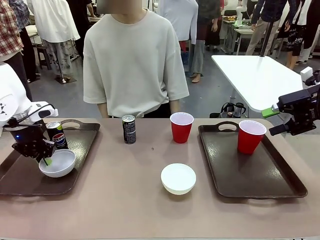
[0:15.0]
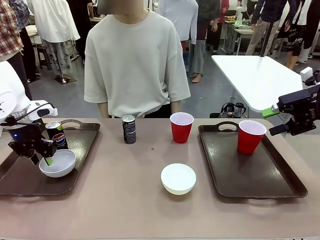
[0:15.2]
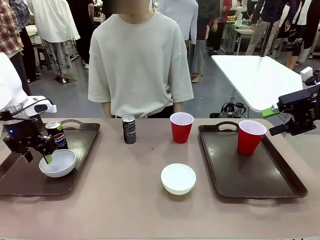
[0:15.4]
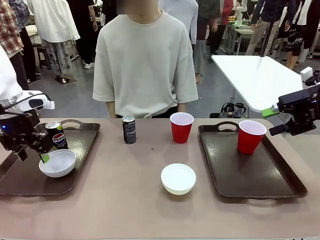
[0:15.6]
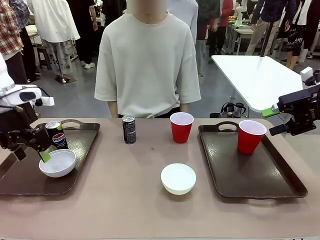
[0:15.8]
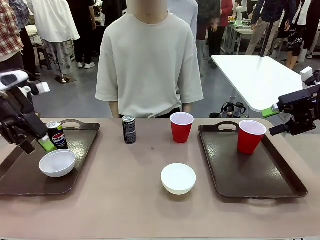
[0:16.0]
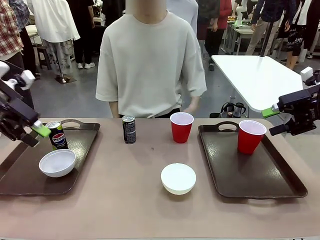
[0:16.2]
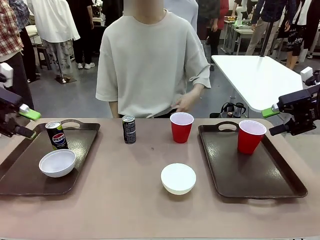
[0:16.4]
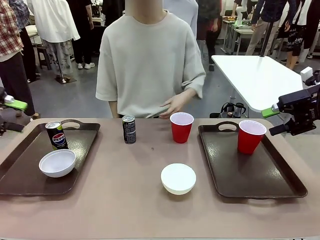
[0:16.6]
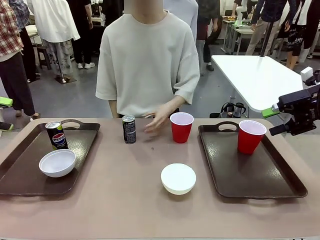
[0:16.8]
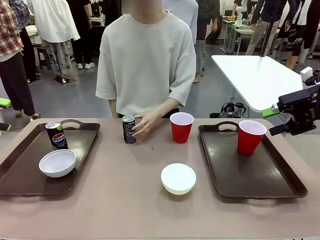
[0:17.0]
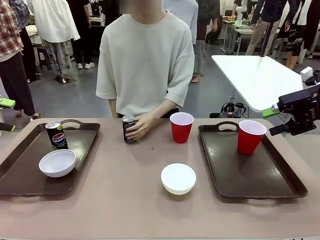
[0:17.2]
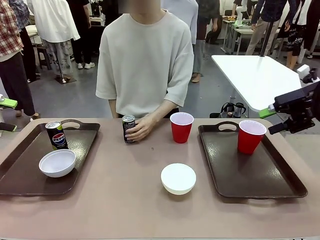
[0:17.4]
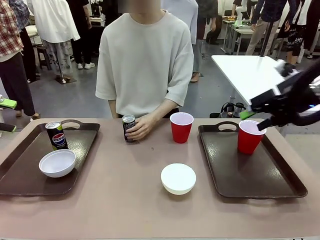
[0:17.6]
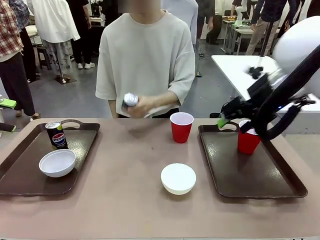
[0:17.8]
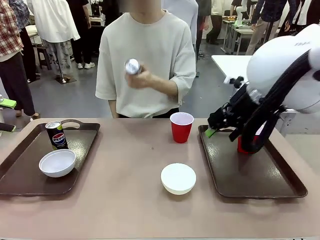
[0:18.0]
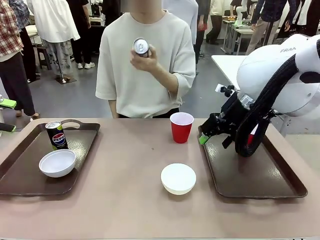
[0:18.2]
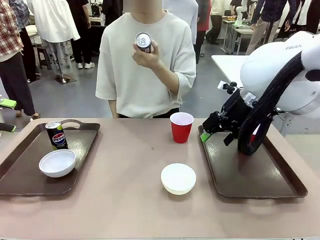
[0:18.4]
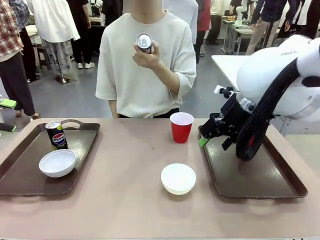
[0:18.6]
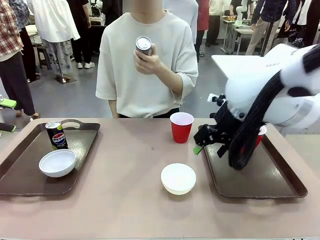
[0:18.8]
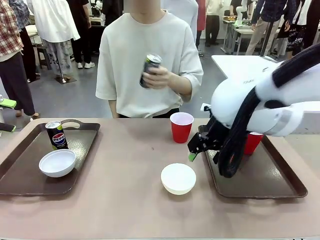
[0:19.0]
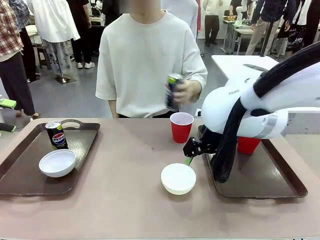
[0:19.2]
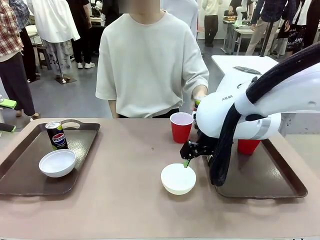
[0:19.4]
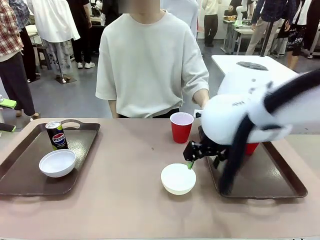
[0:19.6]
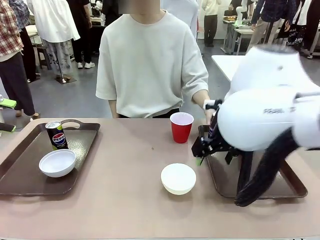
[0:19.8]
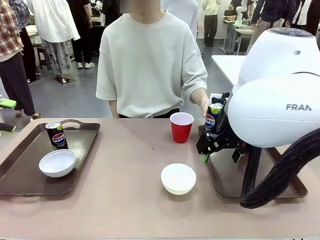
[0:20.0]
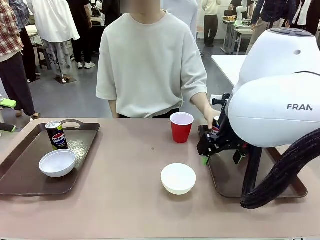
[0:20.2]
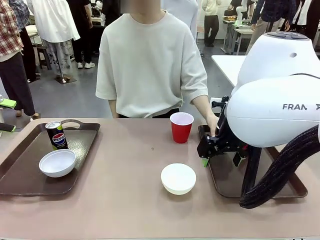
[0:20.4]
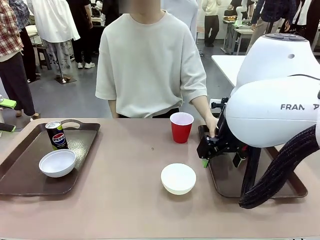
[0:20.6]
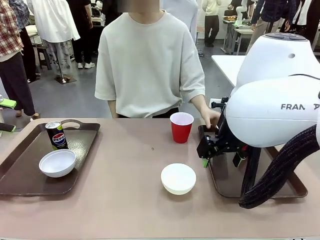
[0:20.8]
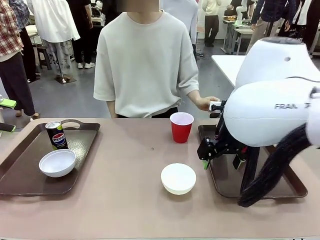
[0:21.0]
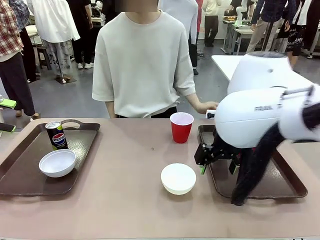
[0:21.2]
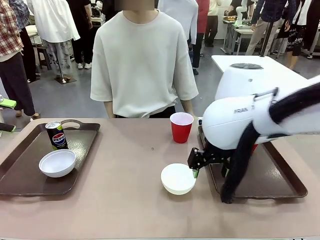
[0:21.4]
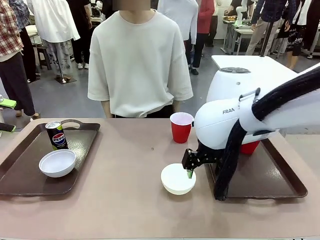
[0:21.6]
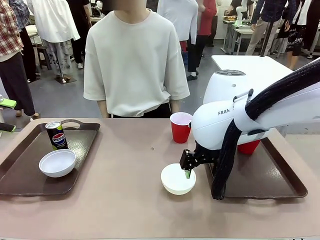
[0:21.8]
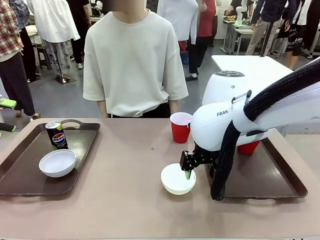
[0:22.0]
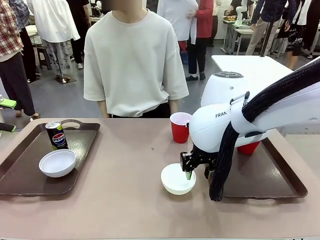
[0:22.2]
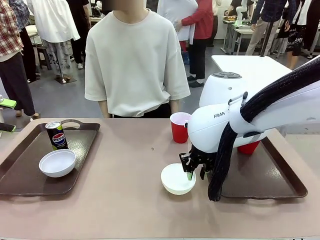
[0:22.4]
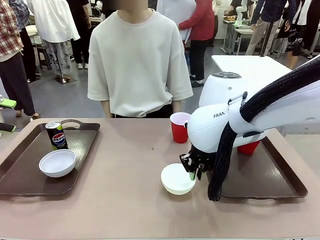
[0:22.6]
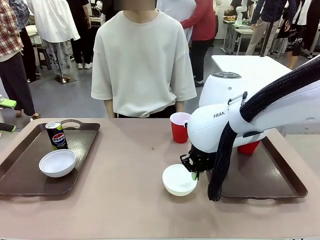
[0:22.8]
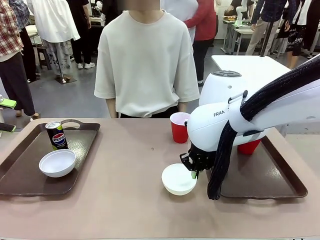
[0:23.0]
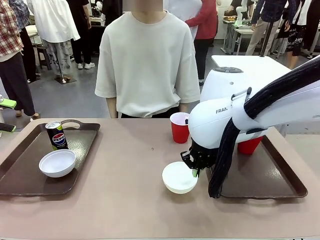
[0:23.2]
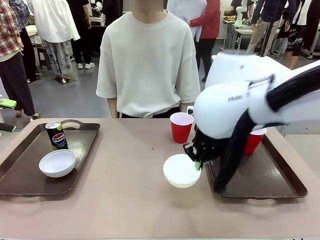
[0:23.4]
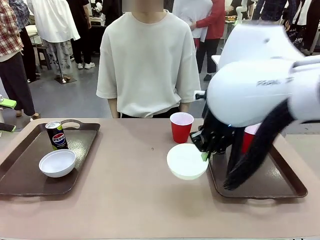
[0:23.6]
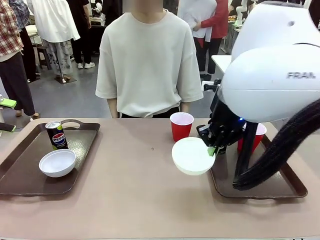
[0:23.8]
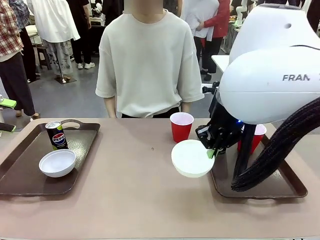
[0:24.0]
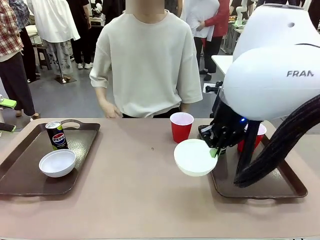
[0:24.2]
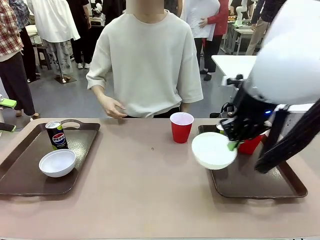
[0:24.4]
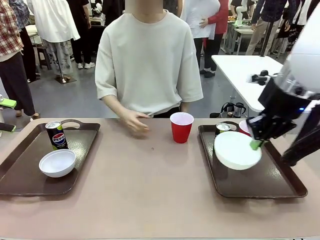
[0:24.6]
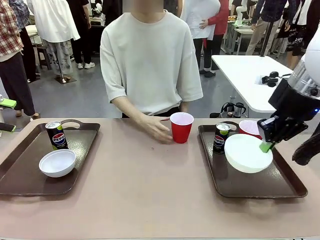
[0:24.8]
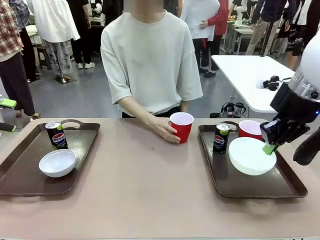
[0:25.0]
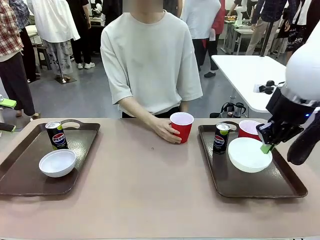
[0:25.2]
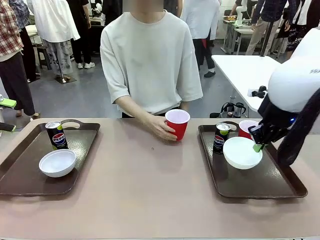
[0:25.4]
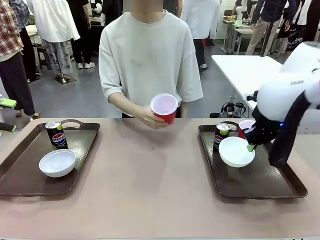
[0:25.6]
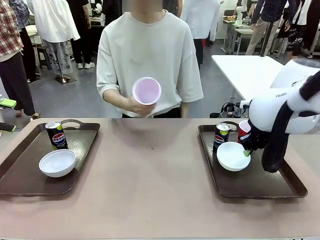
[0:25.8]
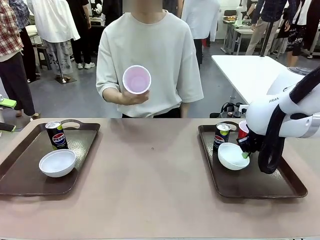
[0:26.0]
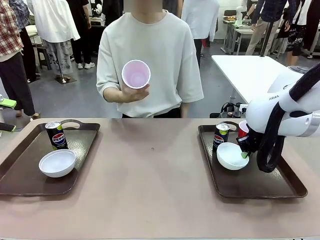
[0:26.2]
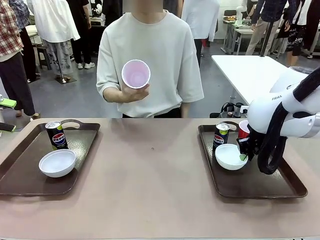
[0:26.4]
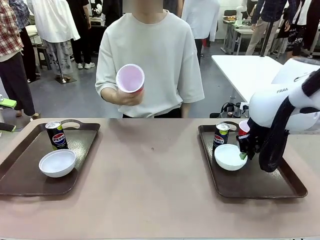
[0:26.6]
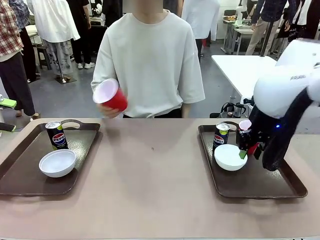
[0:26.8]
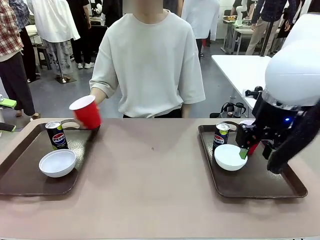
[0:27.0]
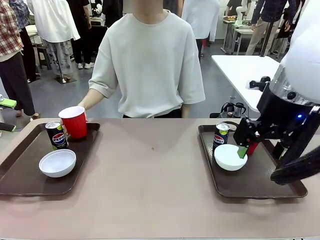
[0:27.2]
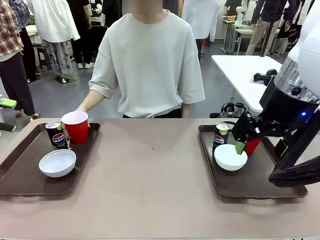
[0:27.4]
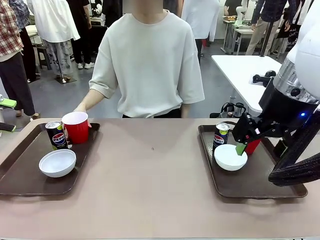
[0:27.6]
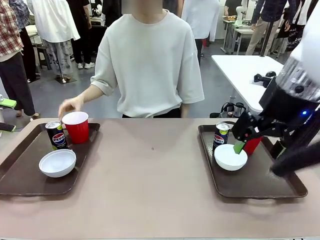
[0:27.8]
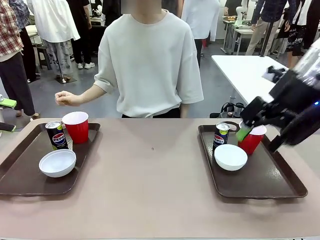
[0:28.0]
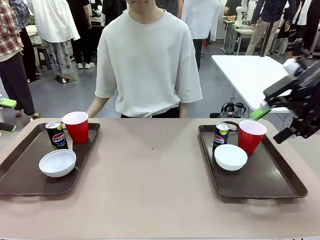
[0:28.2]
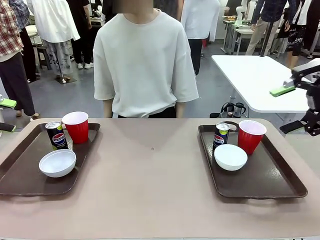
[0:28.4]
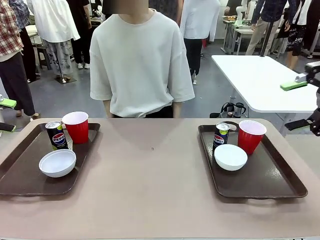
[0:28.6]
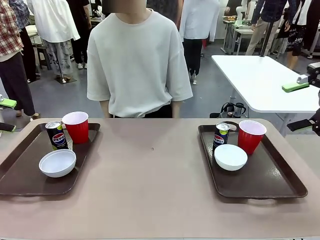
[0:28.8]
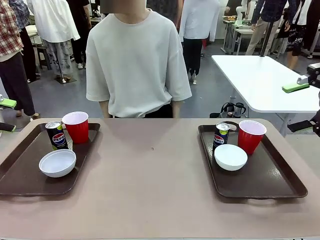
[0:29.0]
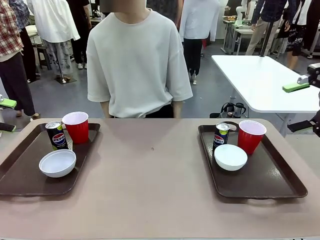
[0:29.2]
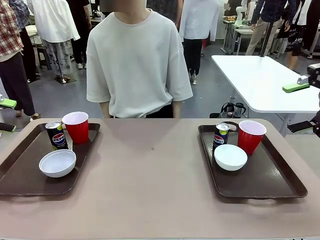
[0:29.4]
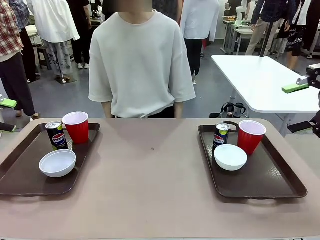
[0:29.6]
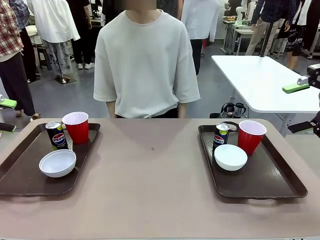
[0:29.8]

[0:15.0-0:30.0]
Task: Prepare tableware on both trays.
Robot: Pick up a Picnic Bowl from the table and place it on a Handle tray.
Person: Pick up a can or cup and place it on the tray without a can or cup.
